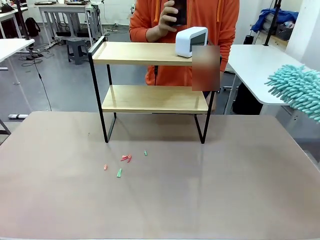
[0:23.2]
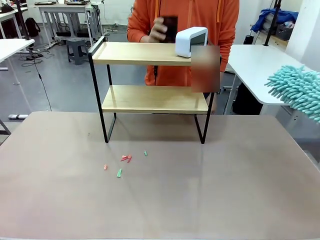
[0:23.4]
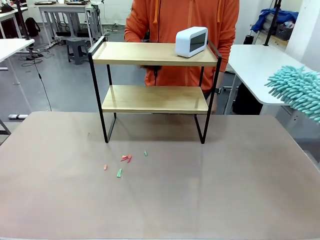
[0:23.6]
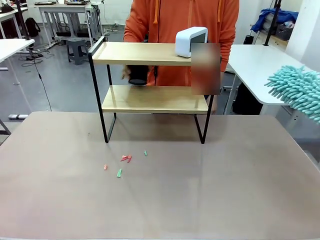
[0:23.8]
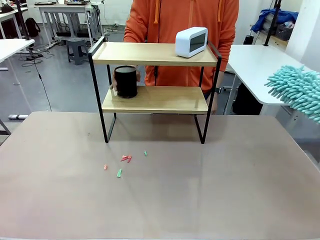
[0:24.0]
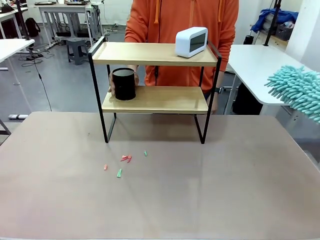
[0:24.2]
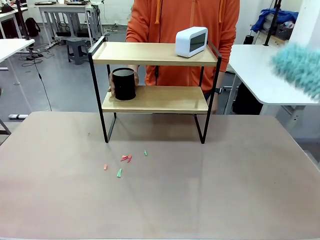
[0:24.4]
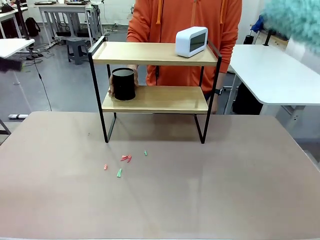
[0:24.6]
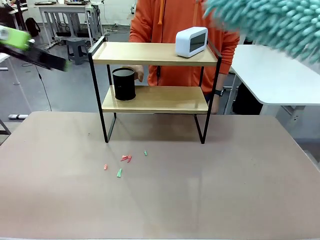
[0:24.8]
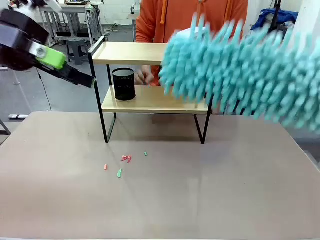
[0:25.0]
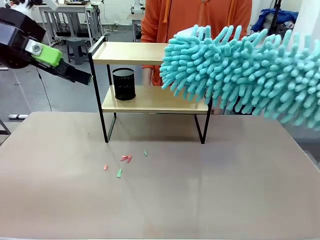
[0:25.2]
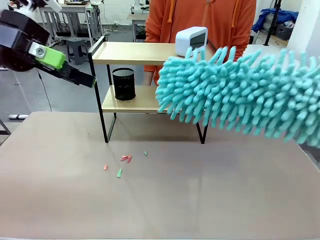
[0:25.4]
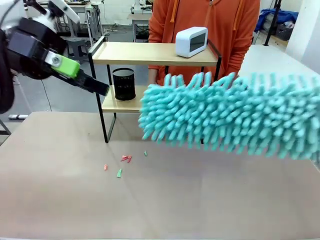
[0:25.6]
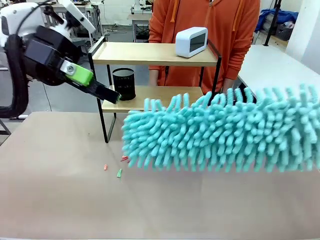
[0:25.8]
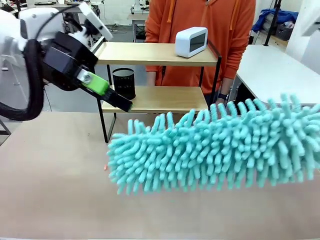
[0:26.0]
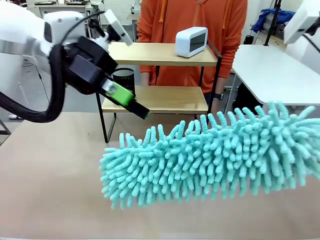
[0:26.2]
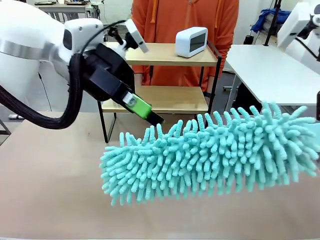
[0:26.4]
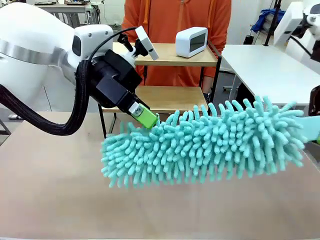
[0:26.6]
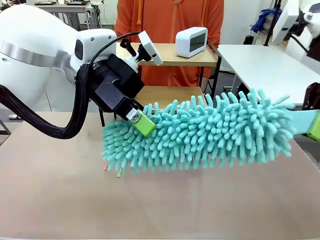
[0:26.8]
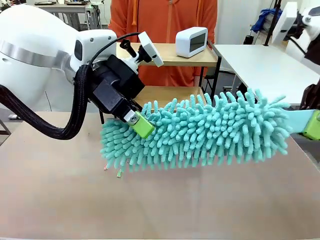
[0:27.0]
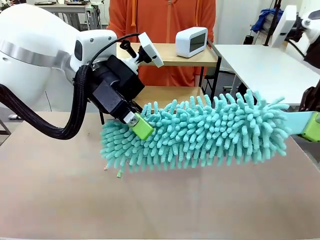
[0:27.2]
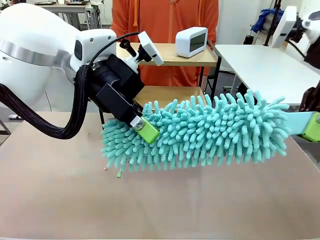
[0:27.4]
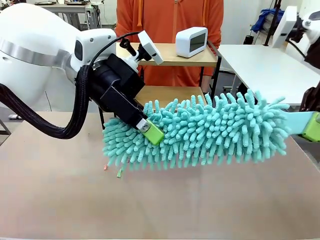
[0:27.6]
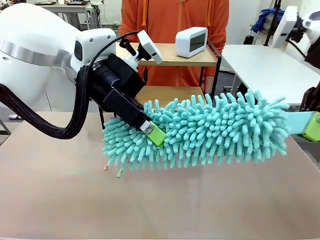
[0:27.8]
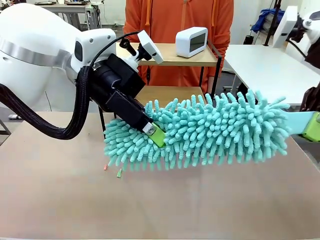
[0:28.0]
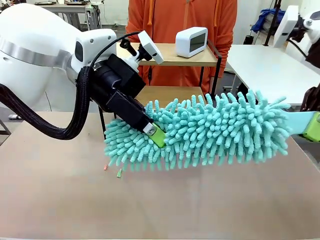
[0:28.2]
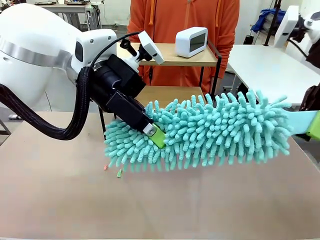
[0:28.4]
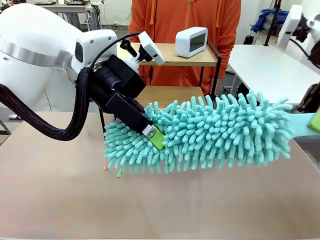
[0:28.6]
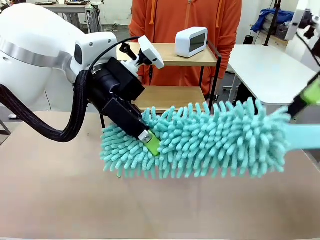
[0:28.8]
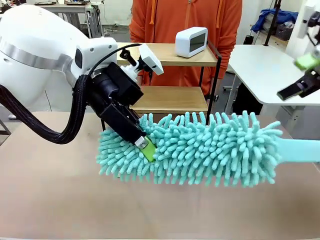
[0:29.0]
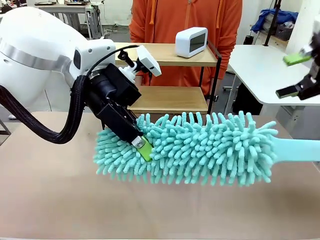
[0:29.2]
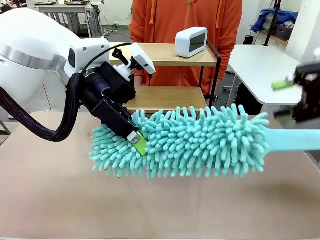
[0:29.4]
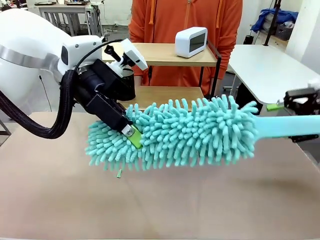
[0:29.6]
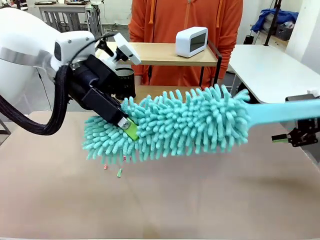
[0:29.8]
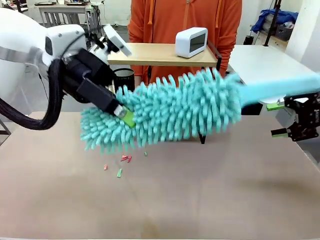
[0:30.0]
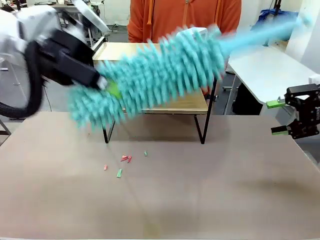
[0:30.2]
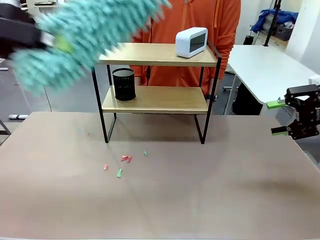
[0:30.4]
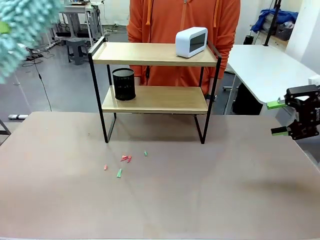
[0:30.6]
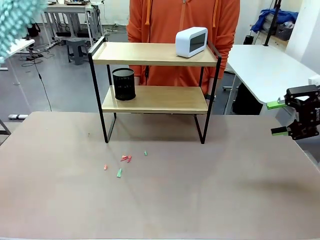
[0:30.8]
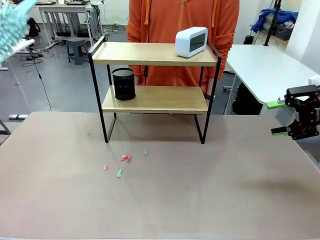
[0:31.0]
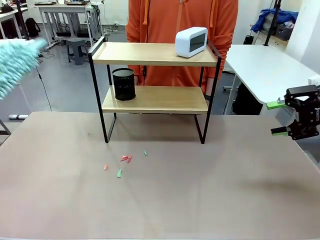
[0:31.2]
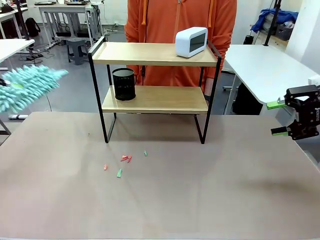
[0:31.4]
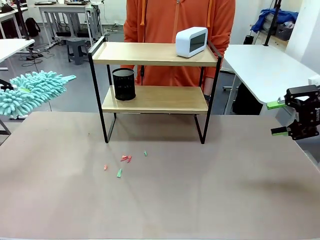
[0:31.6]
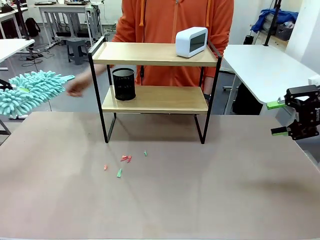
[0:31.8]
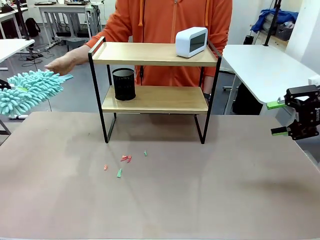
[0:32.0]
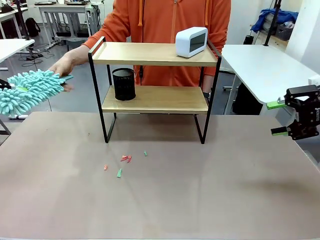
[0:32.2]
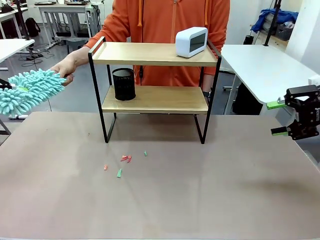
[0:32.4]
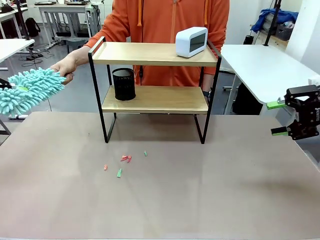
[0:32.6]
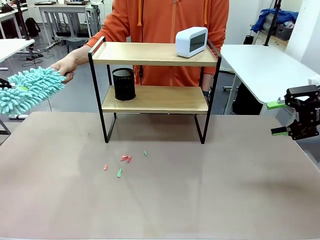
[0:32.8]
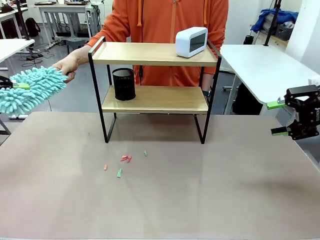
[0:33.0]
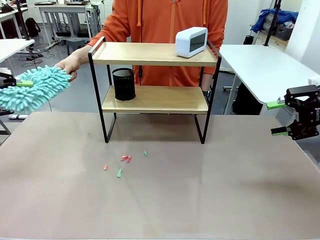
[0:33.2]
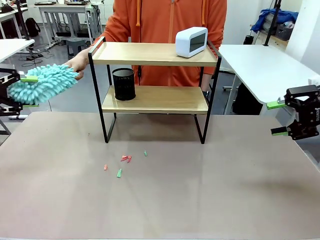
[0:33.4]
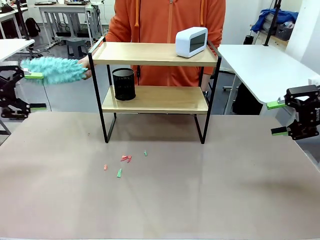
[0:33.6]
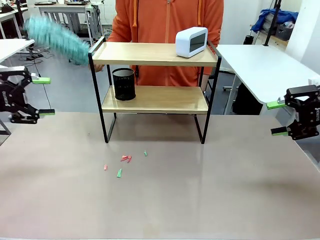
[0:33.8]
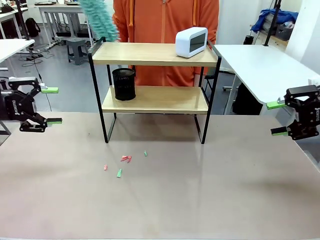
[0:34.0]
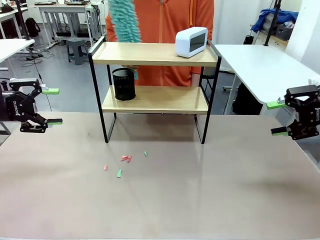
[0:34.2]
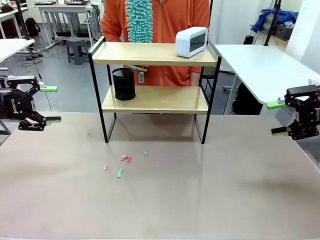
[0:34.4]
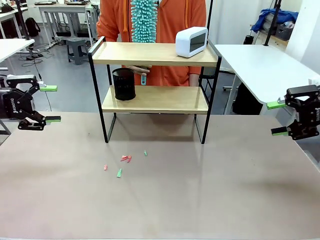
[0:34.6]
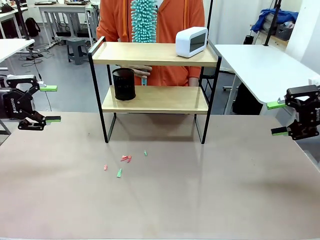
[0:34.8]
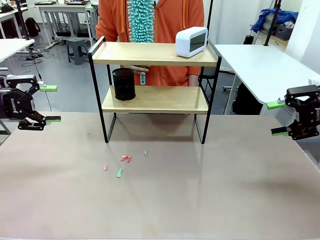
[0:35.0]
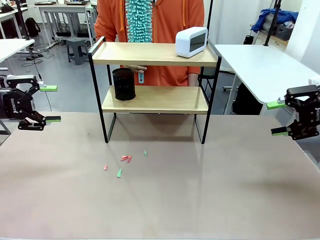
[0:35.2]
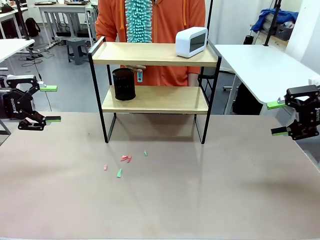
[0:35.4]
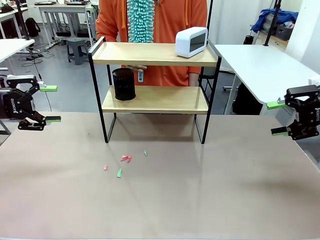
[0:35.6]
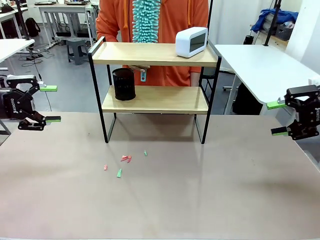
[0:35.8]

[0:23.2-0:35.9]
Task: Clean the shelf.
Robot: Hand the Duster back to the human.
Person: Receive the Duster from the robot.

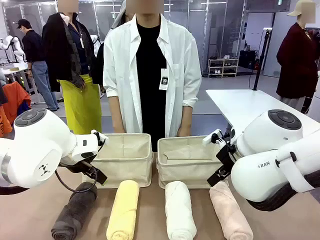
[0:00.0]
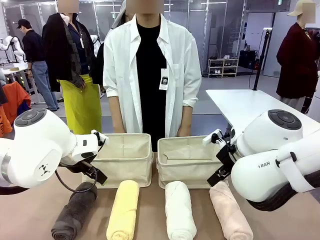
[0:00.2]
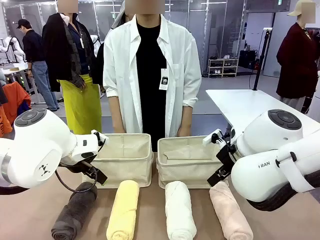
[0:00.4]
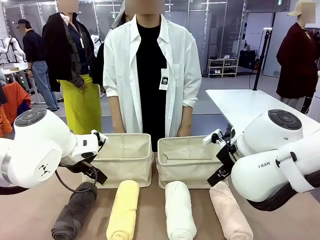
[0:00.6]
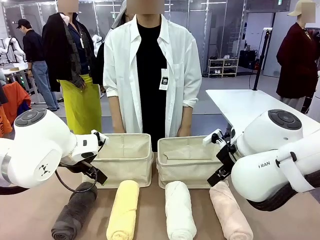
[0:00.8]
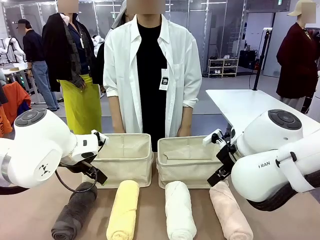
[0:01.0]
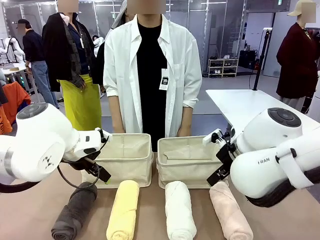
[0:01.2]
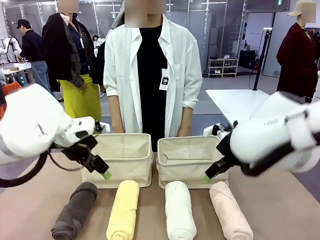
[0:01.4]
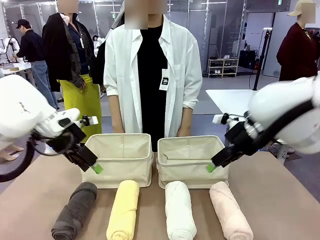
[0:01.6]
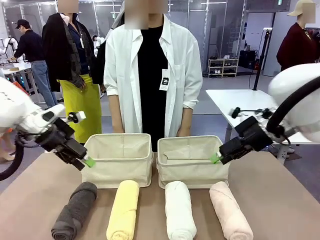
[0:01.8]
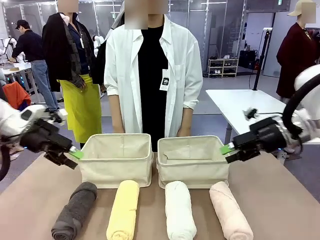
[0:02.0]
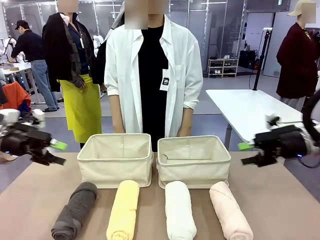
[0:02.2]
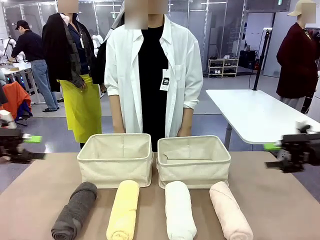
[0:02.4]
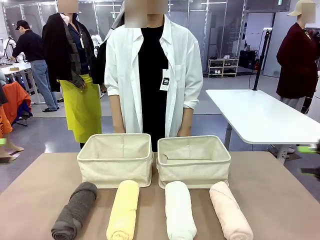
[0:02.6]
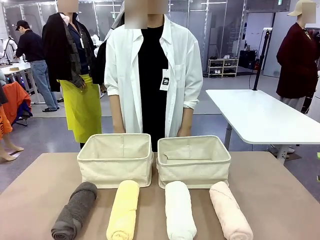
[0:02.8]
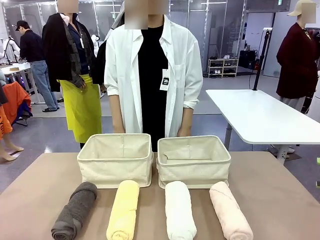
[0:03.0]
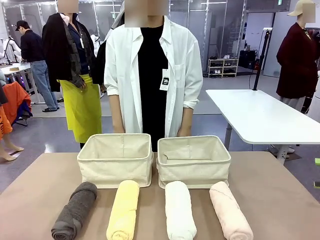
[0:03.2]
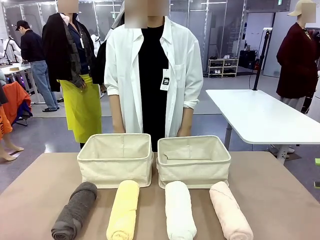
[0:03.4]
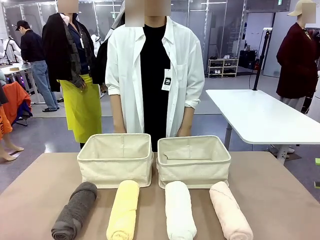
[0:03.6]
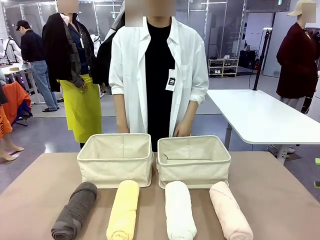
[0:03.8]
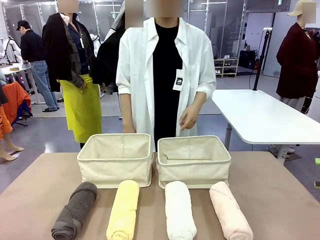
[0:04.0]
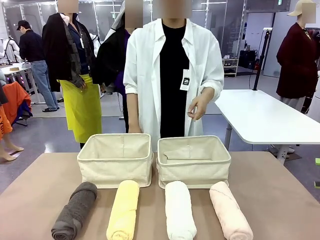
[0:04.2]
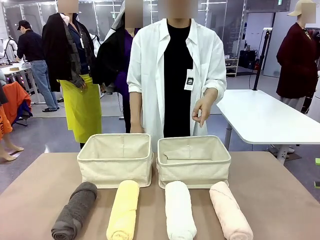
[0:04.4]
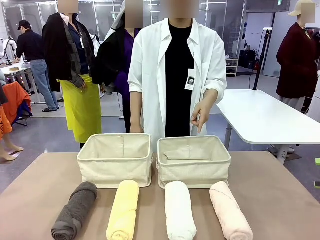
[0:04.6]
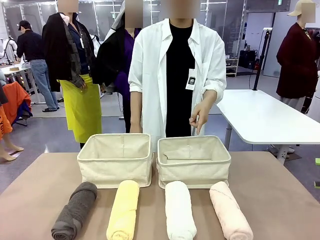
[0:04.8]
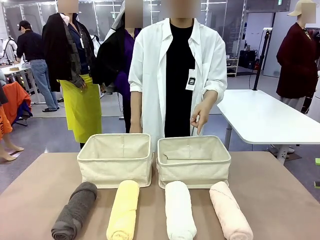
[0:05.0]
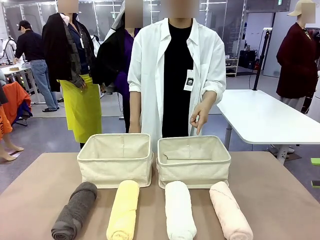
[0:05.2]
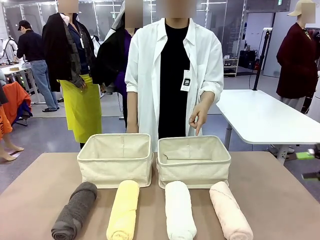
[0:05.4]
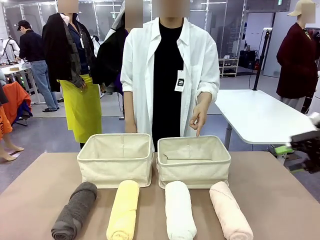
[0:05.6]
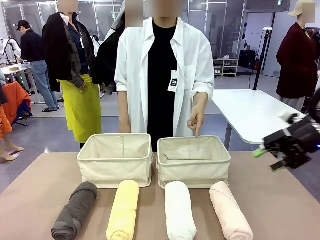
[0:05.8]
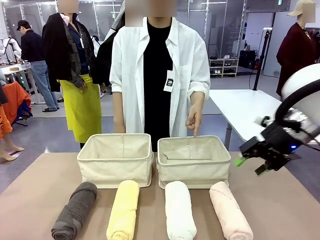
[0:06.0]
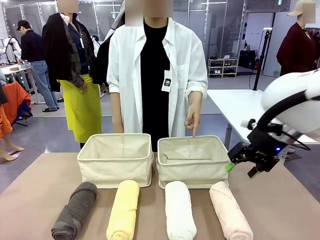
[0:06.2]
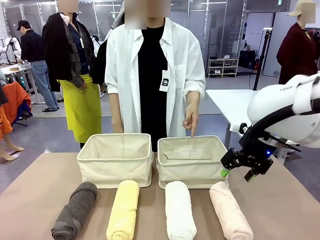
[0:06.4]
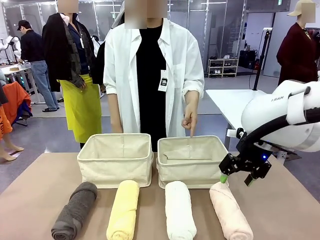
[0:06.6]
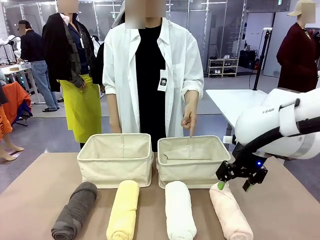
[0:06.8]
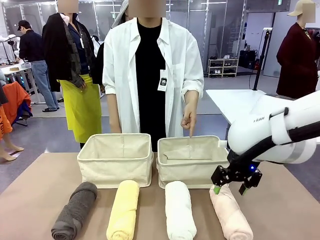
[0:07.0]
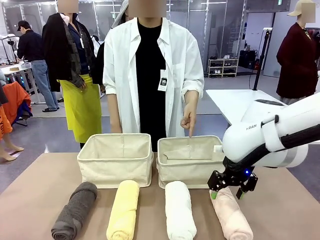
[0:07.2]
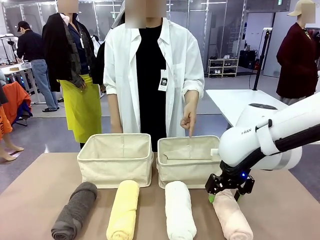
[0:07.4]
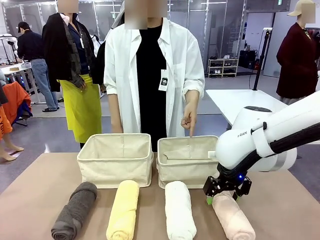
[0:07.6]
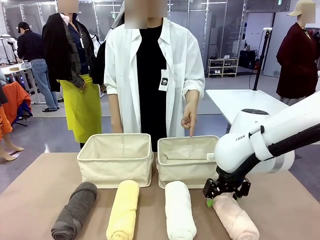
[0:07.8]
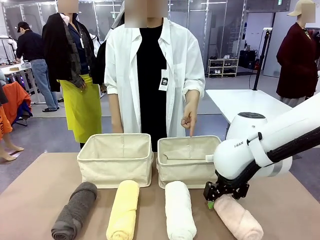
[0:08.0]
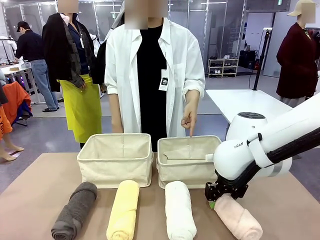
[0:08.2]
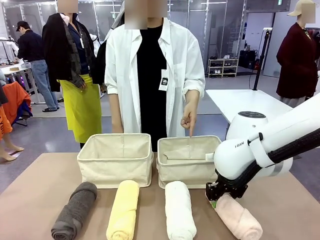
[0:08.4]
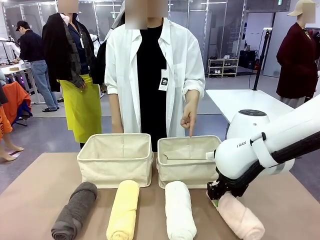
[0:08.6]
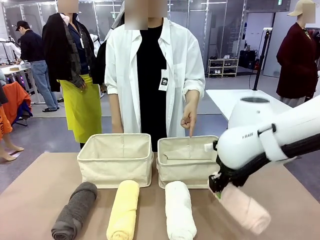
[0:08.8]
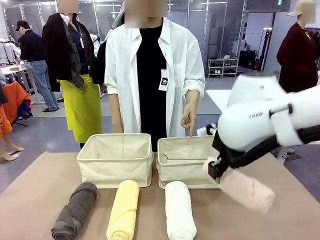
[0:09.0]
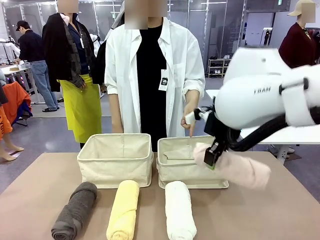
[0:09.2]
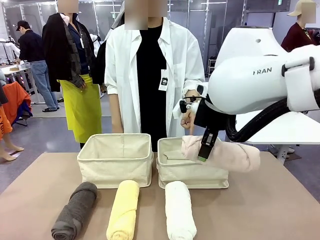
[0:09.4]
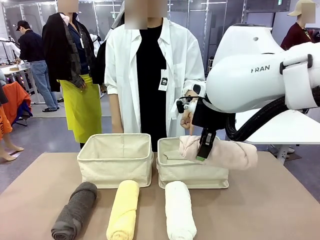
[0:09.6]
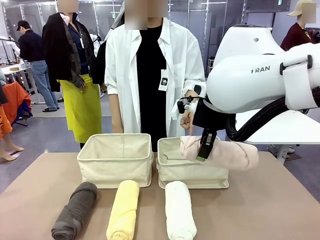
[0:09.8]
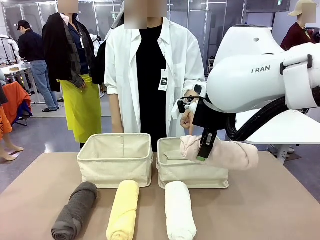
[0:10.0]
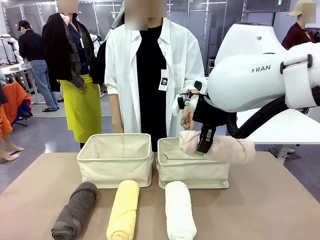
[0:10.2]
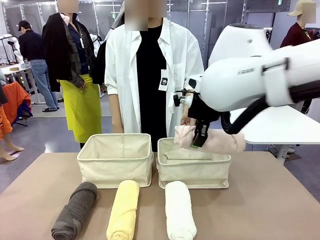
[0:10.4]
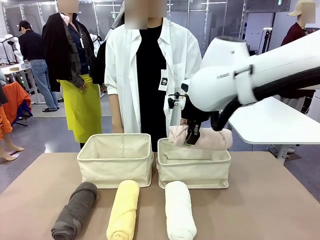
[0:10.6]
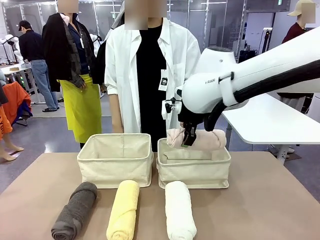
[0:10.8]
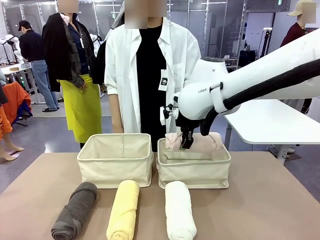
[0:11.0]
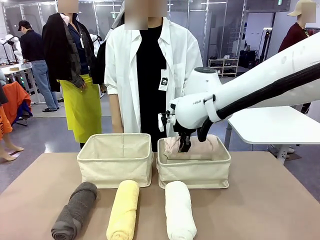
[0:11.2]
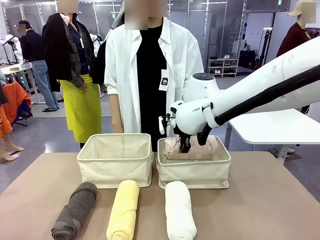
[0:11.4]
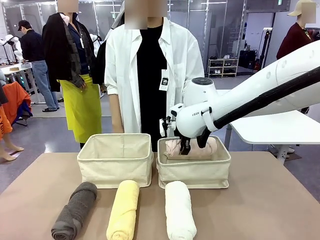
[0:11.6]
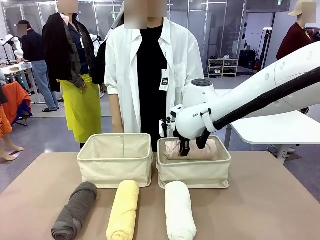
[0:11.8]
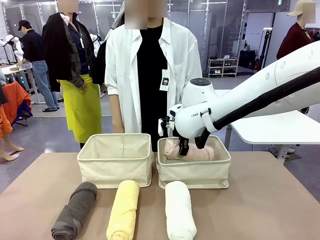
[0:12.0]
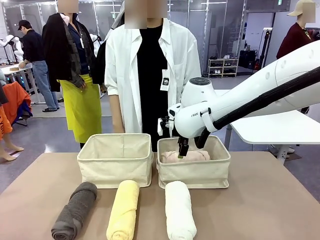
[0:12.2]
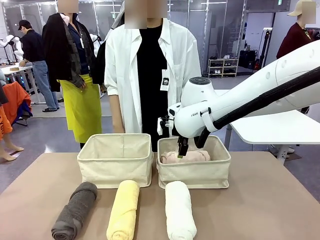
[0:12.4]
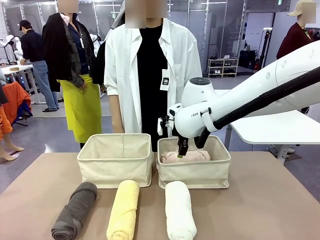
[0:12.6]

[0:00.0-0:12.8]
Task: Divide the towels into two baskets.
Robot: Pick up one hotel-folded towel and place it in the Fabric basket indicated by the person.
